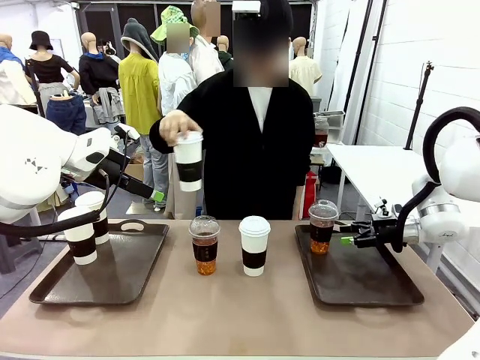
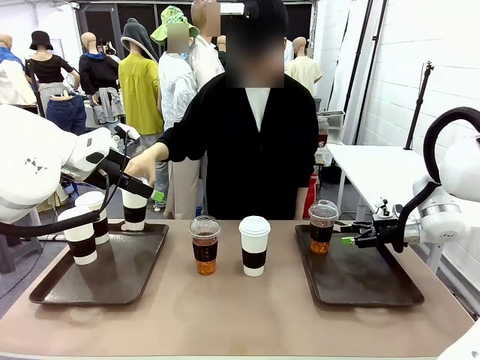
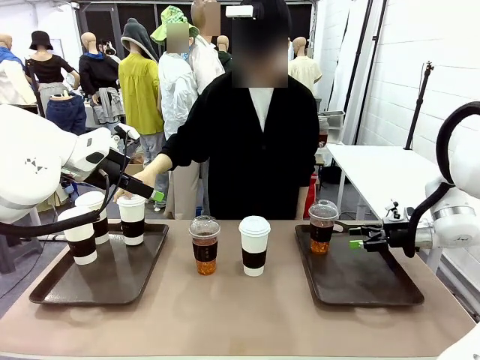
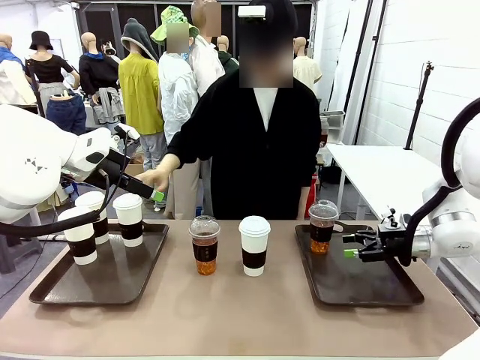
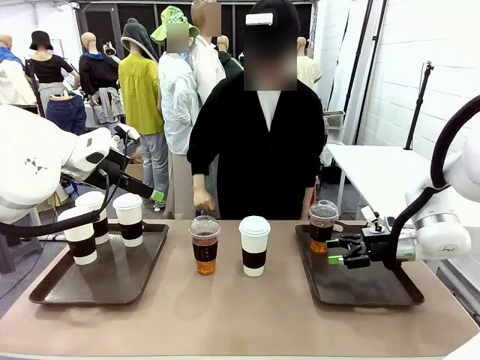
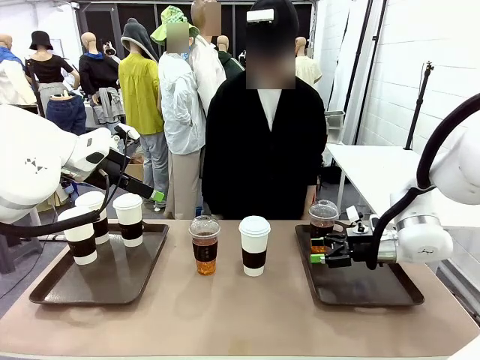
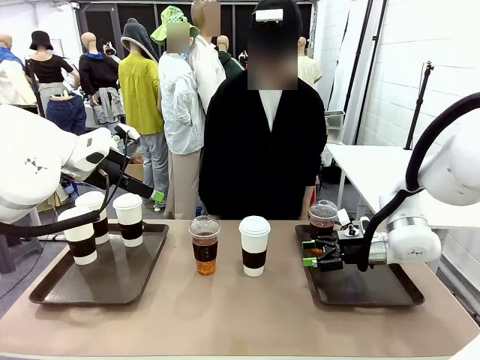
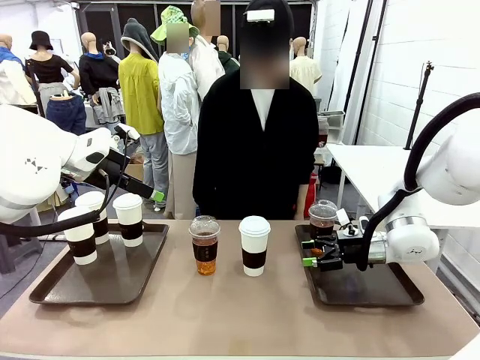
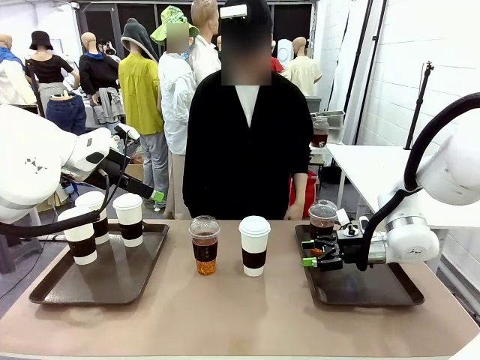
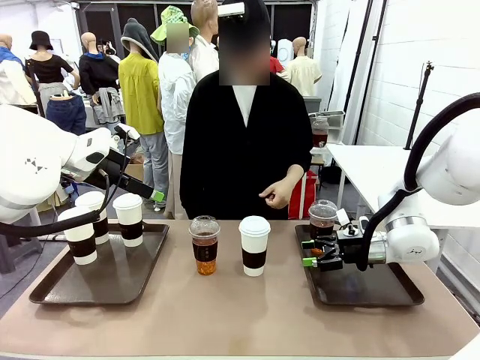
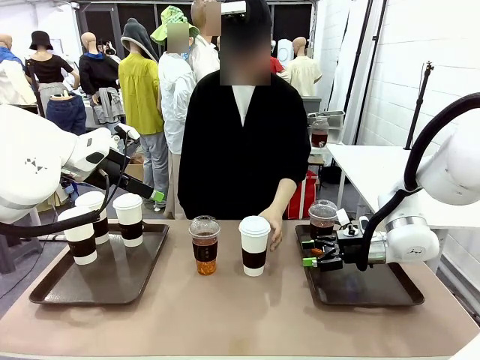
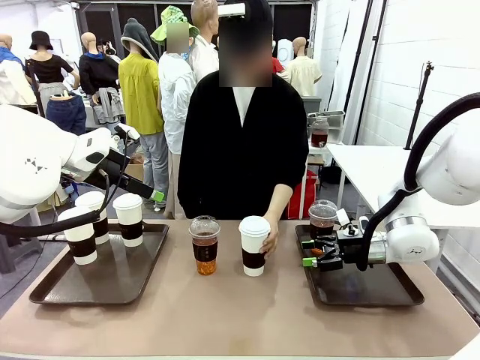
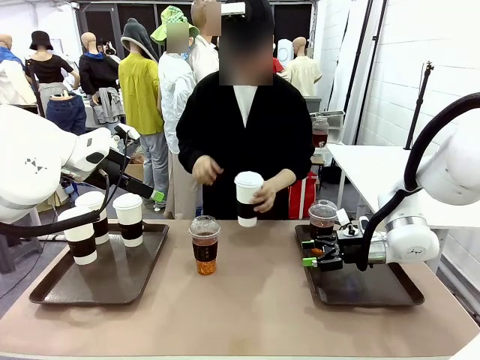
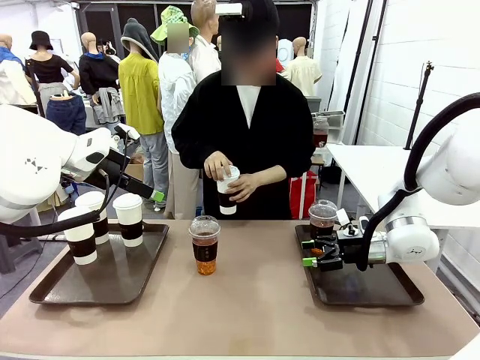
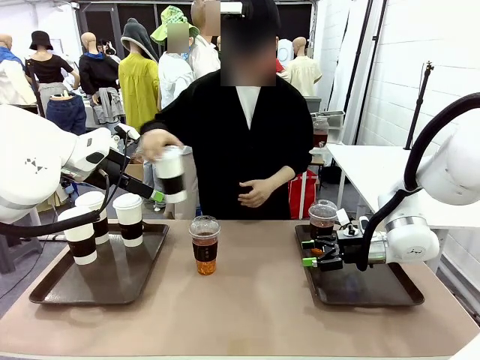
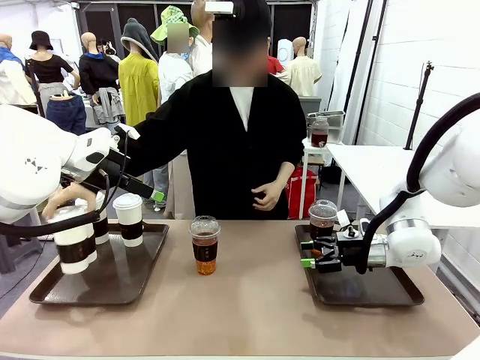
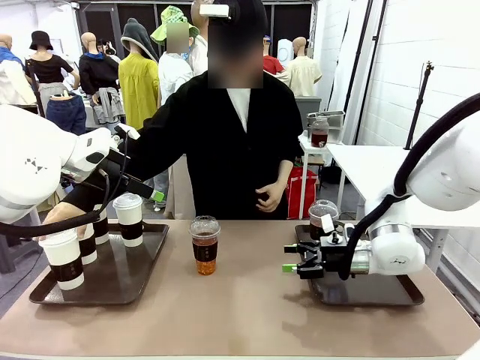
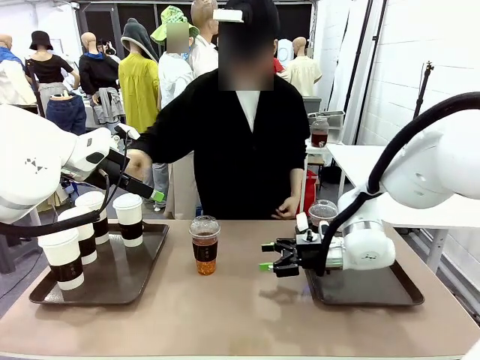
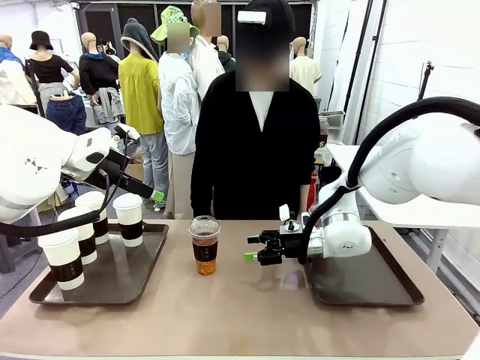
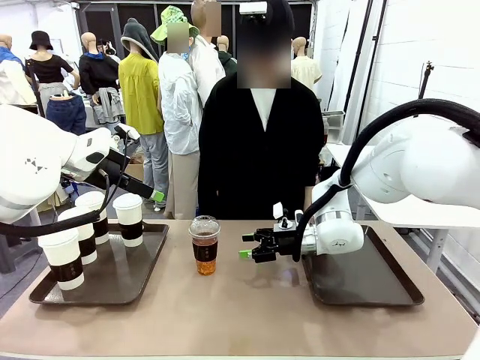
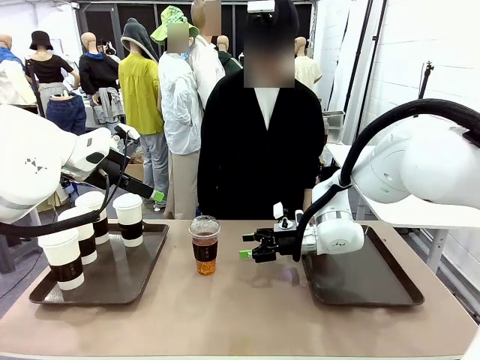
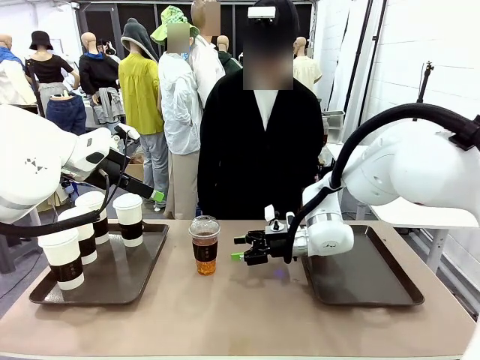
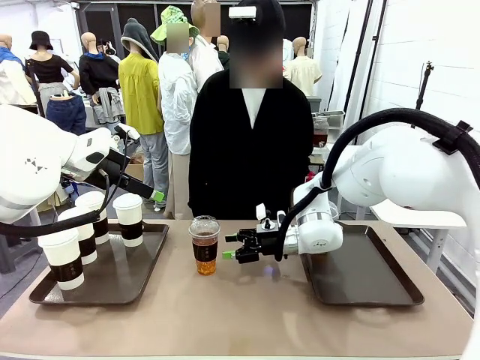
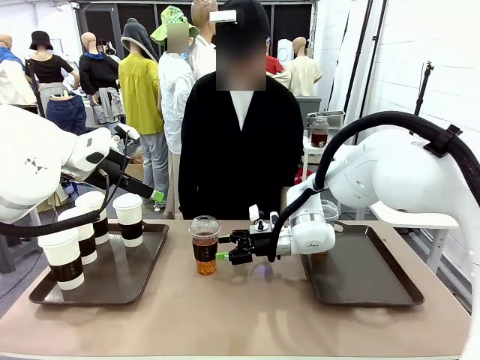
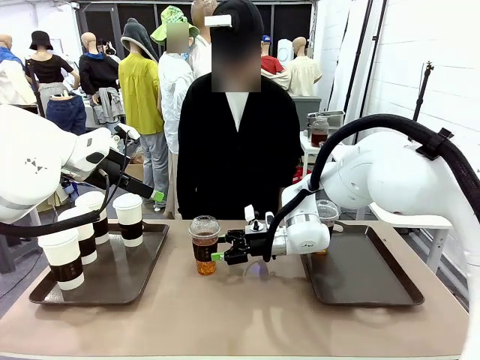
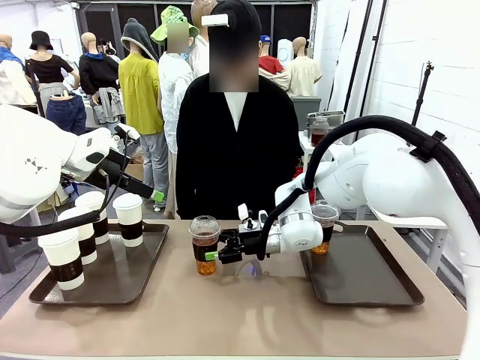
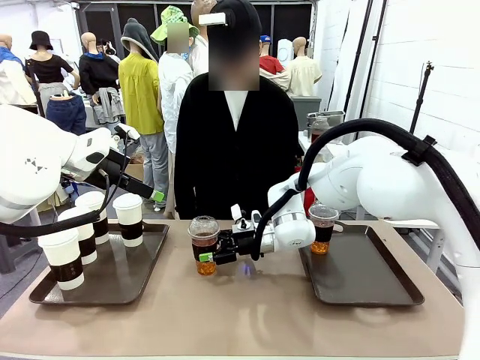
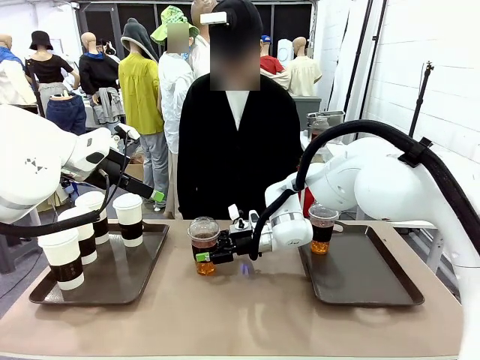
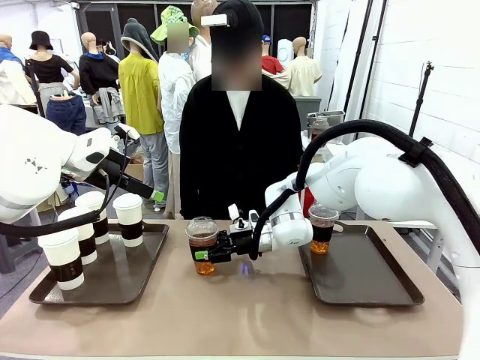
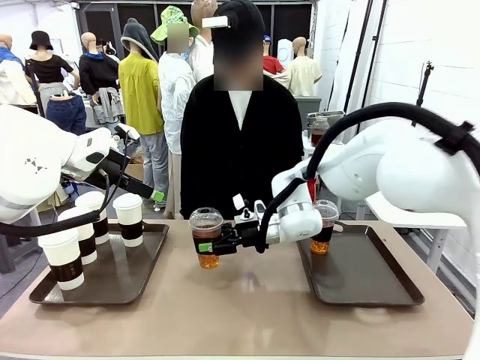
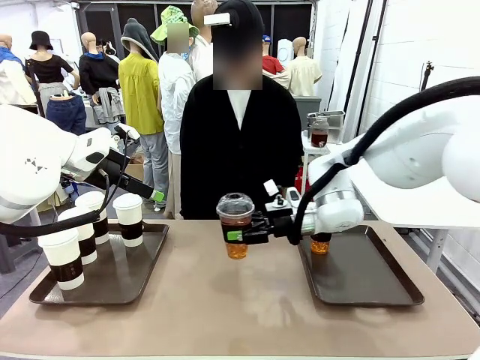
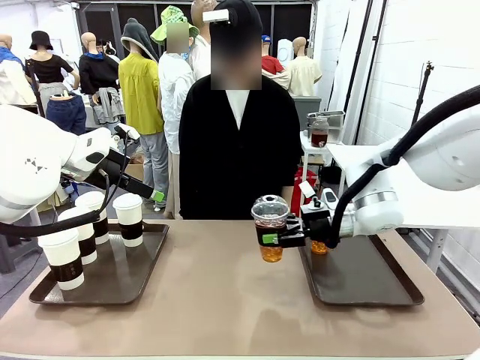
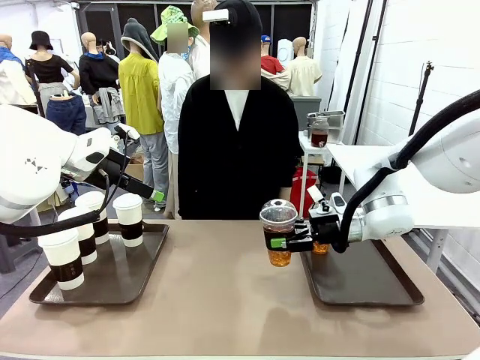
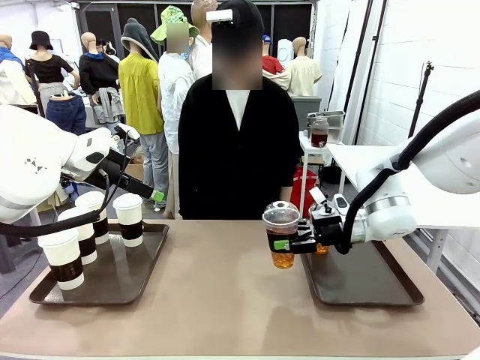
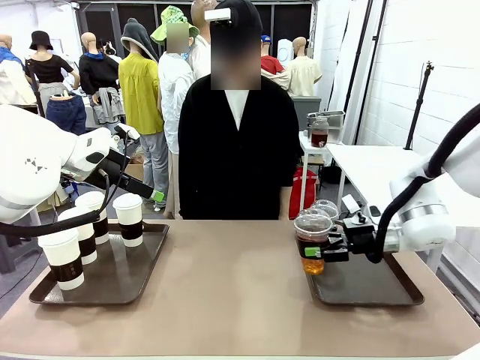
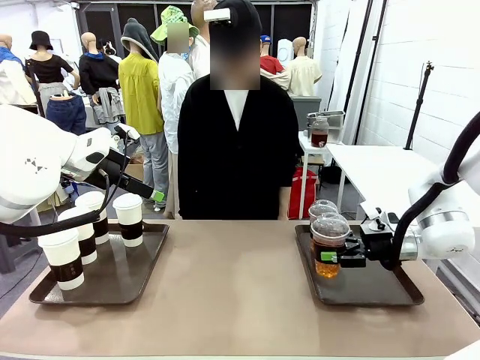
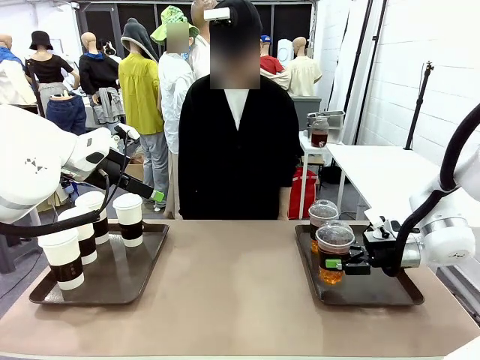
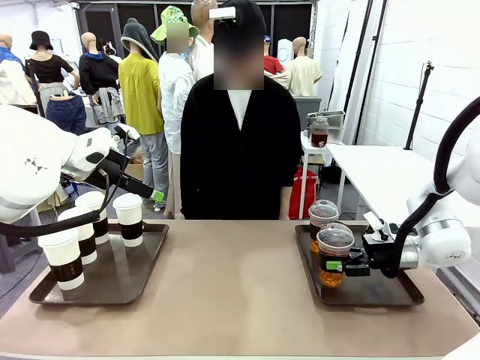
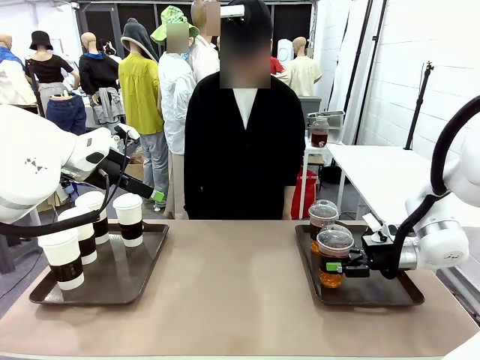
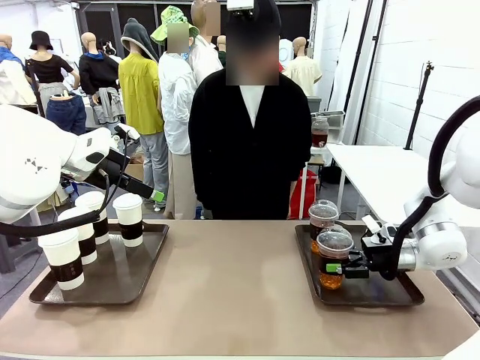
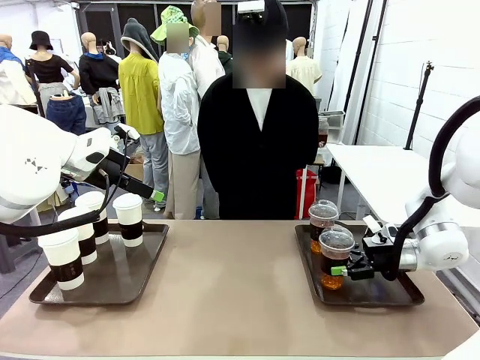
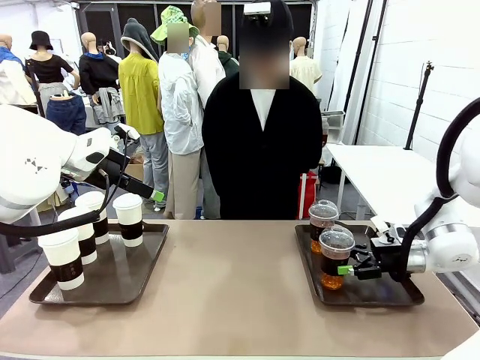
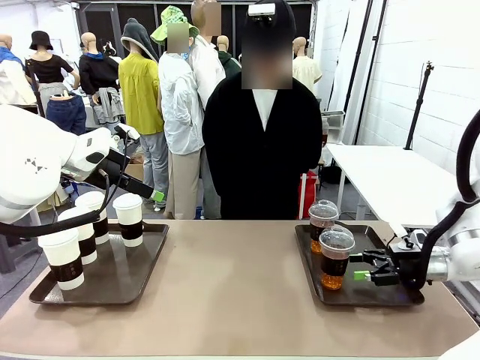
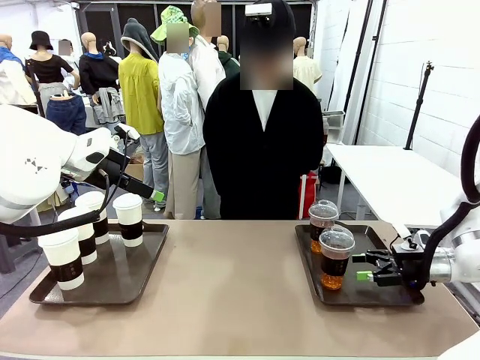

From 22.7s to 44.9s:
Task: Distribute the coffee onto the tray.
Robot: Pick up another iced Americano from the middle of the table and place it on the right Handle tray.
Person: Pick up a cup of hot Americano from the middle of the table and place it on the right tray.

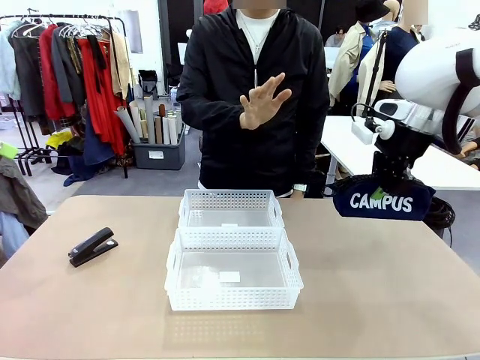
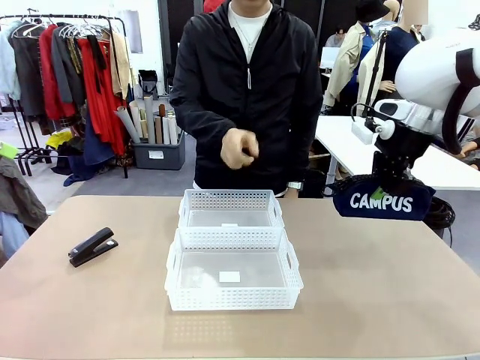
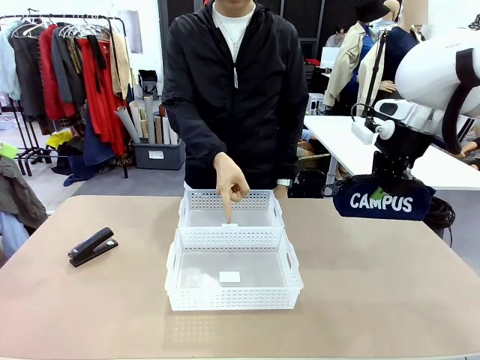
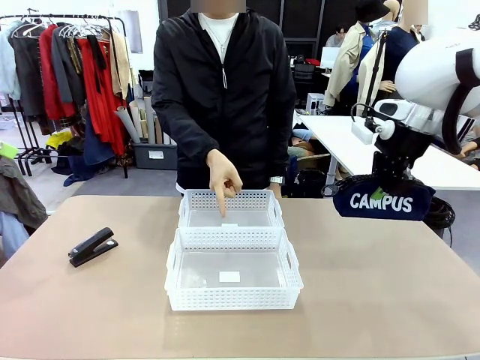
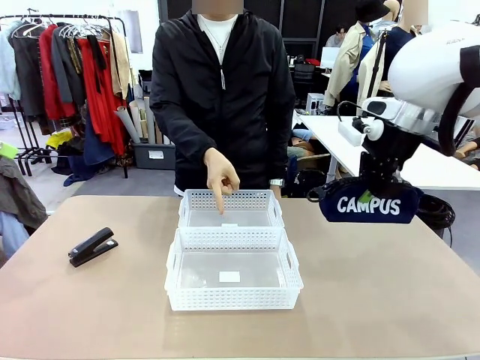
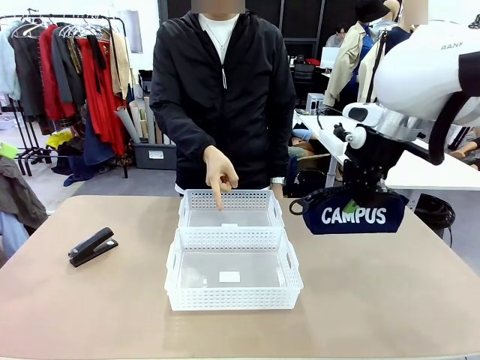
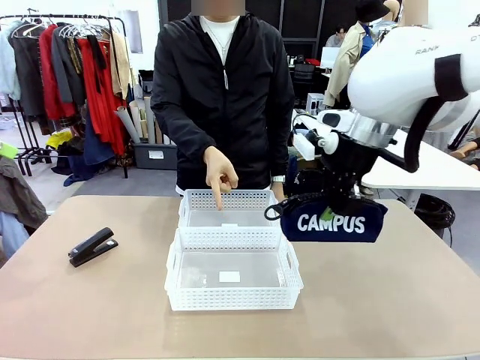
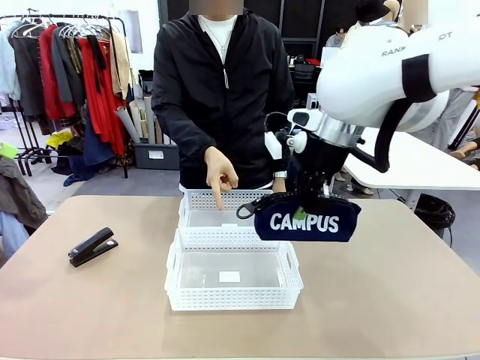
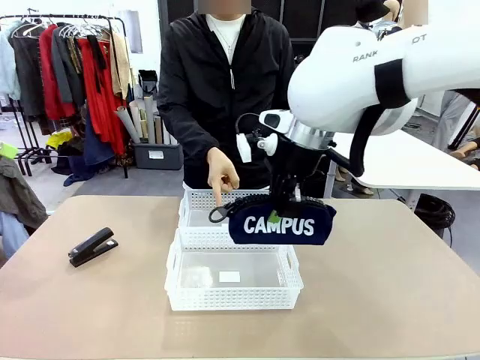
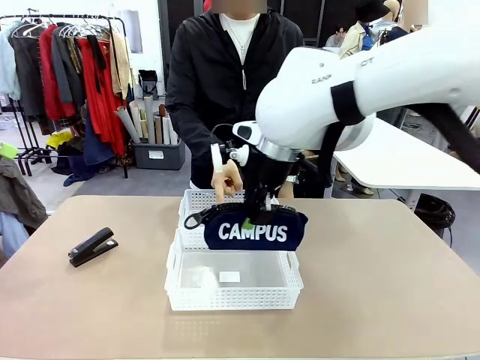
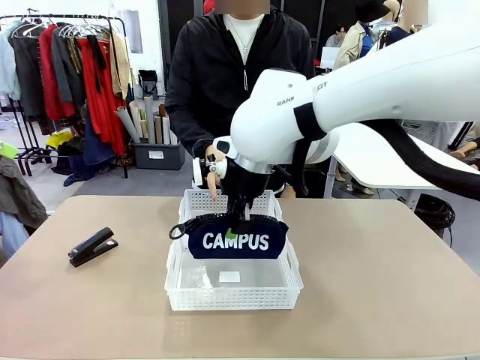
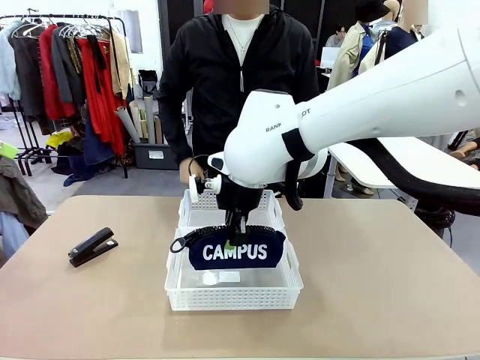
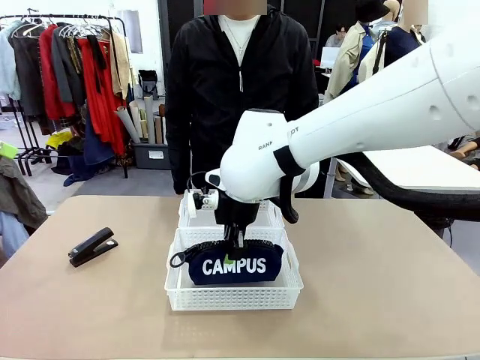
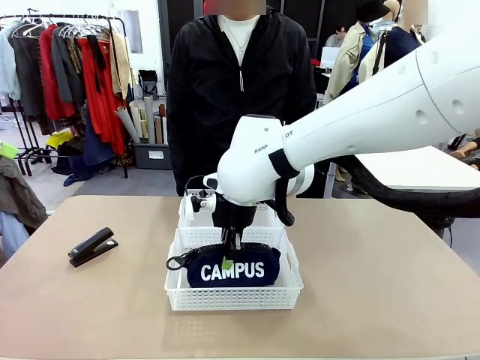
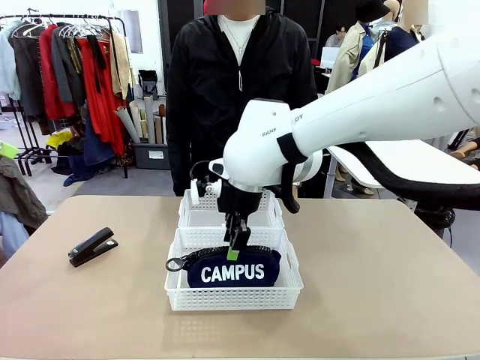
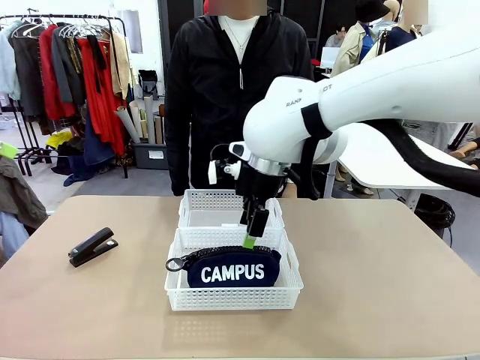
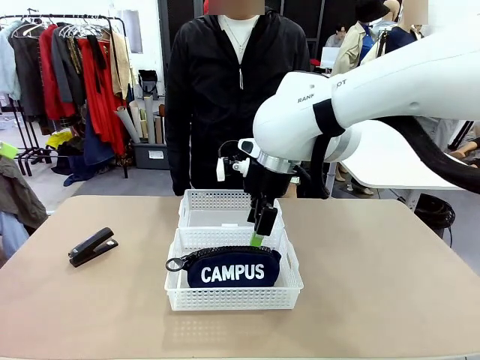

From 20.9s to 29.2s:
Task: Distribute items into two baskets.
Robot: Place the picked Pencil pouch into the Organizing basket as instructed by the person.
Person: Instructs the robot to place the pencil case into the opposite basket. Points to the stapler.
